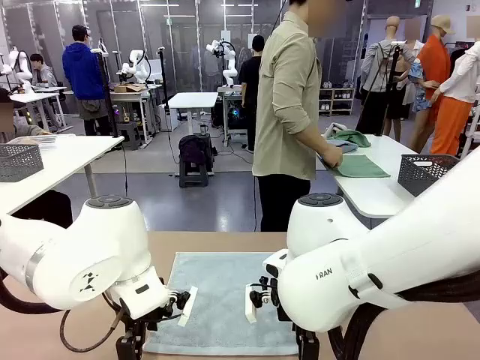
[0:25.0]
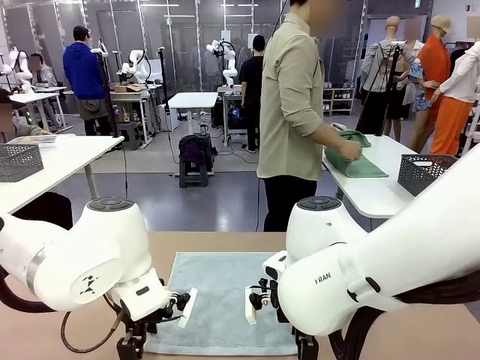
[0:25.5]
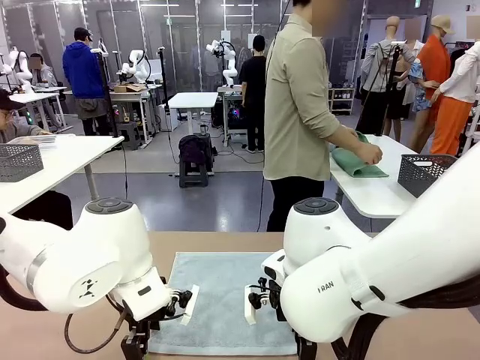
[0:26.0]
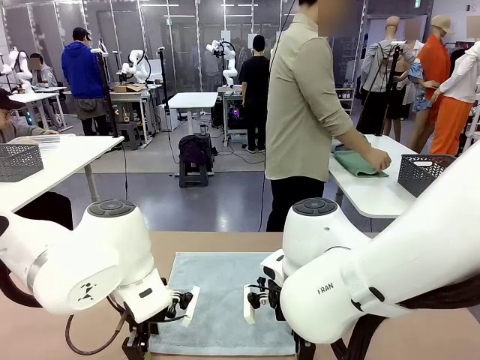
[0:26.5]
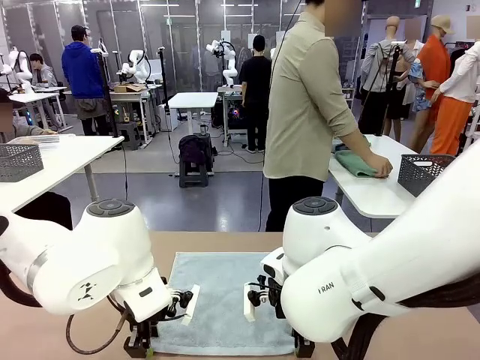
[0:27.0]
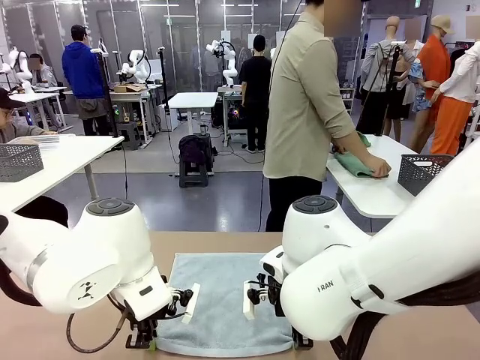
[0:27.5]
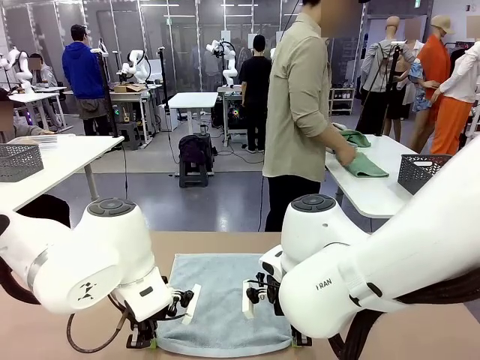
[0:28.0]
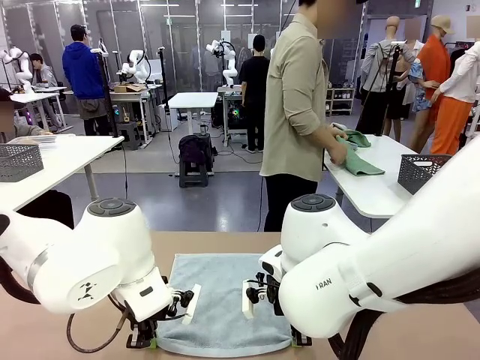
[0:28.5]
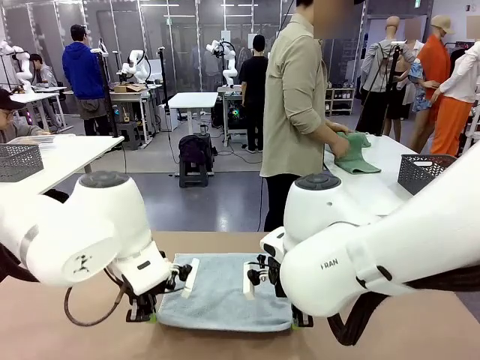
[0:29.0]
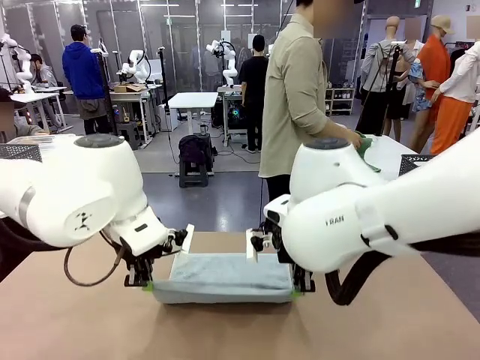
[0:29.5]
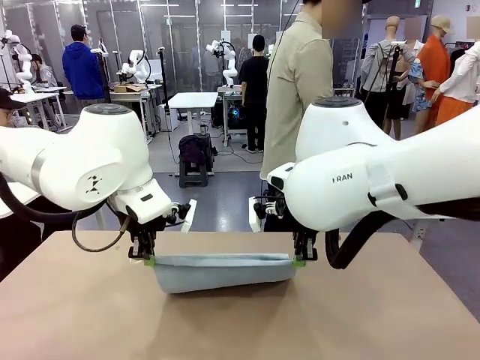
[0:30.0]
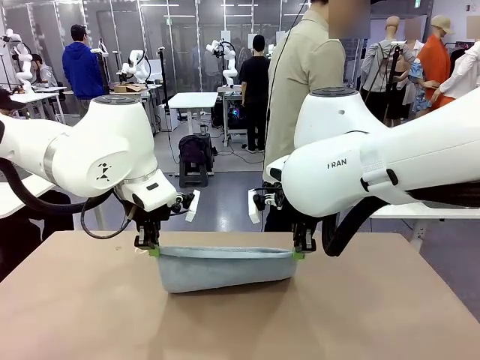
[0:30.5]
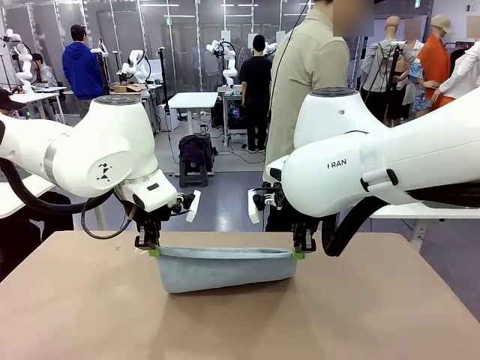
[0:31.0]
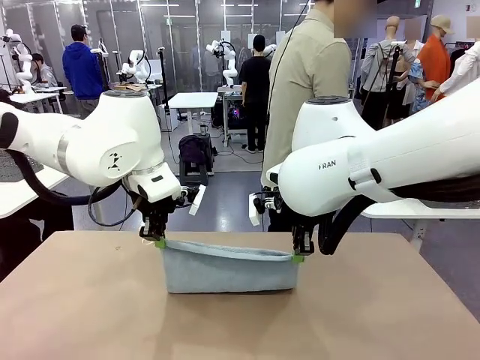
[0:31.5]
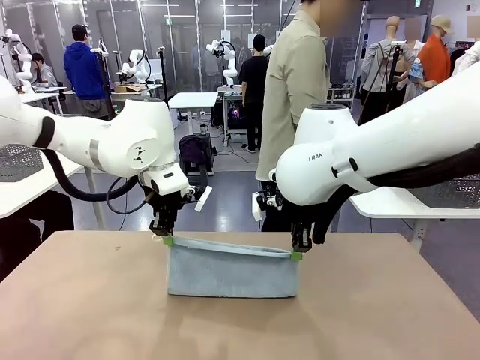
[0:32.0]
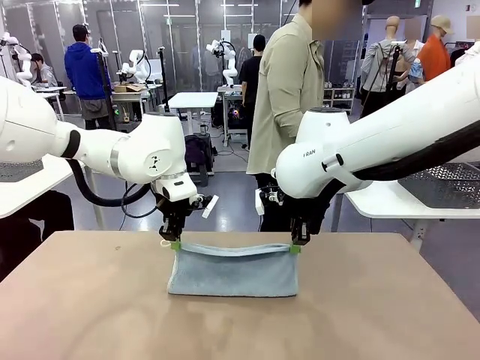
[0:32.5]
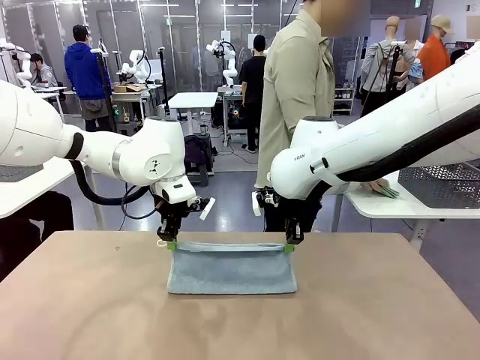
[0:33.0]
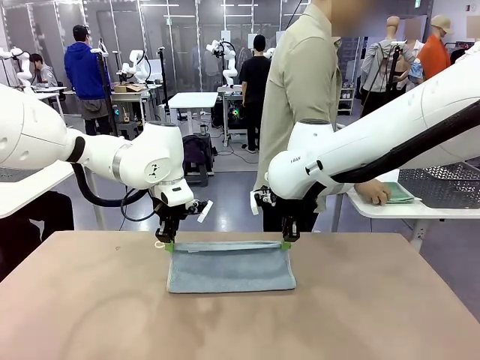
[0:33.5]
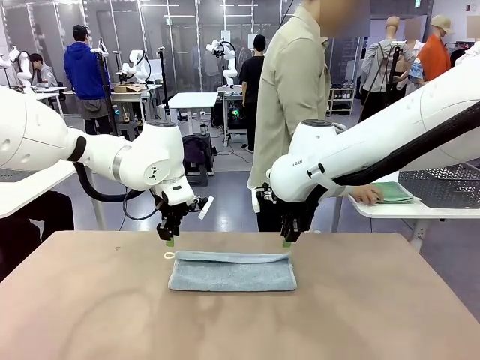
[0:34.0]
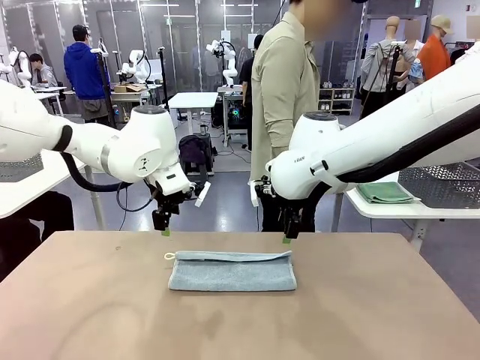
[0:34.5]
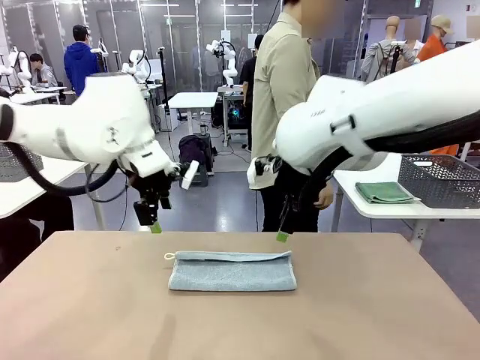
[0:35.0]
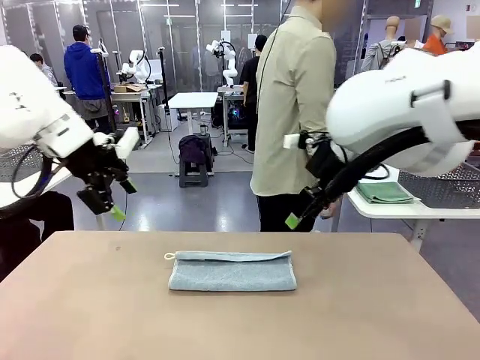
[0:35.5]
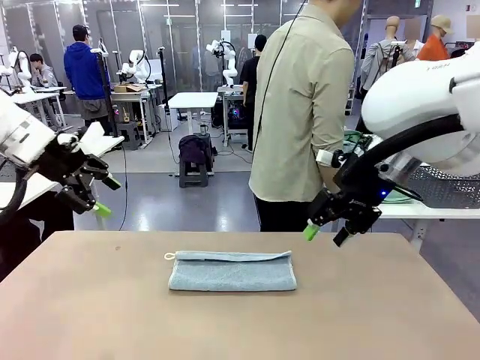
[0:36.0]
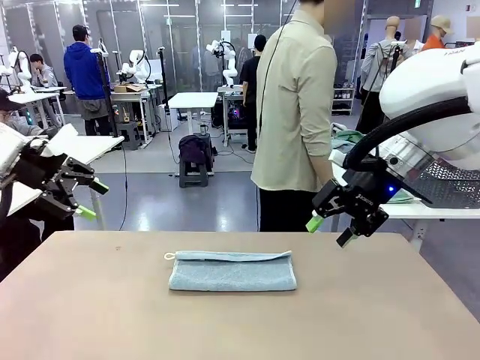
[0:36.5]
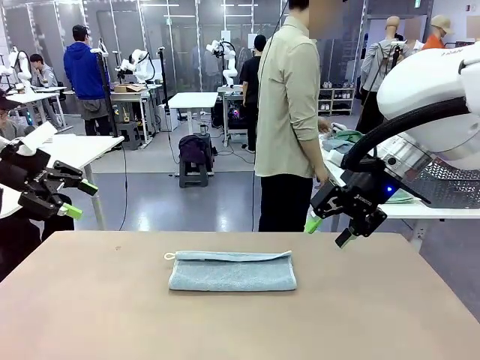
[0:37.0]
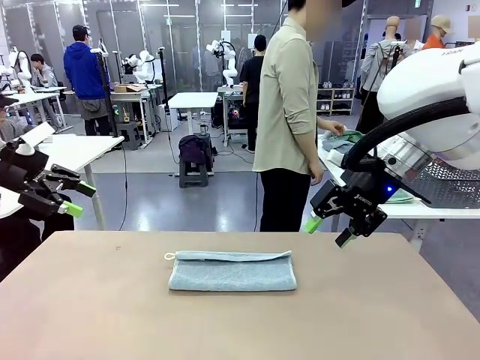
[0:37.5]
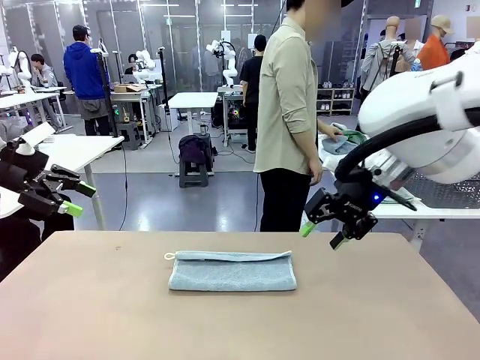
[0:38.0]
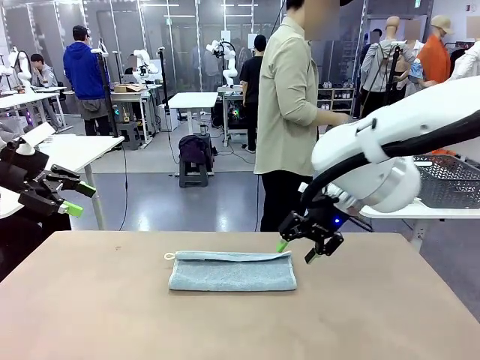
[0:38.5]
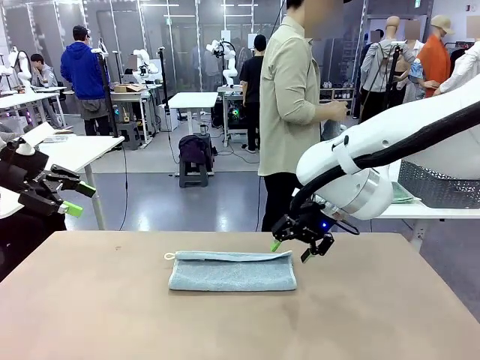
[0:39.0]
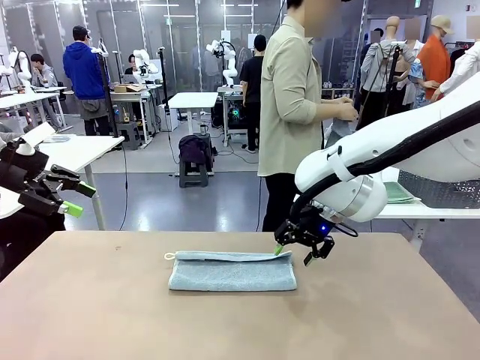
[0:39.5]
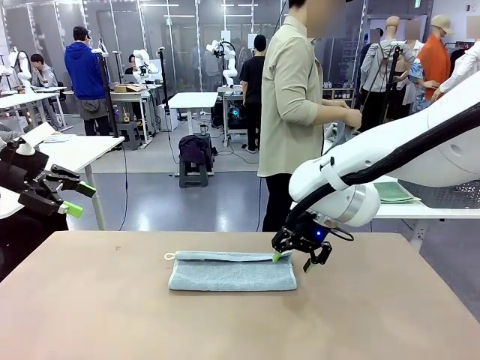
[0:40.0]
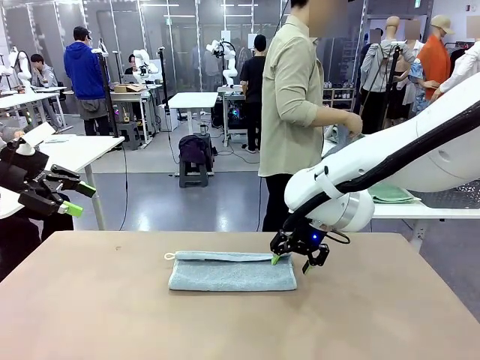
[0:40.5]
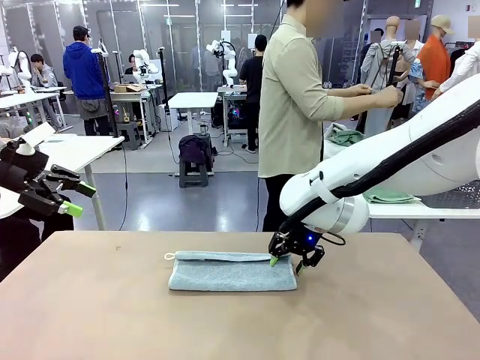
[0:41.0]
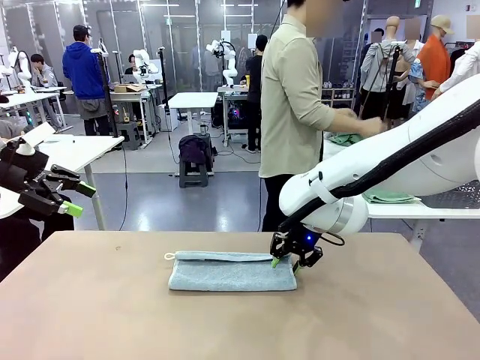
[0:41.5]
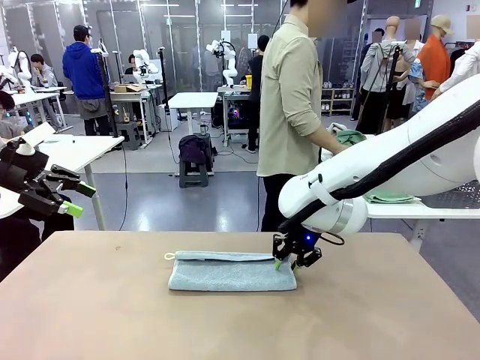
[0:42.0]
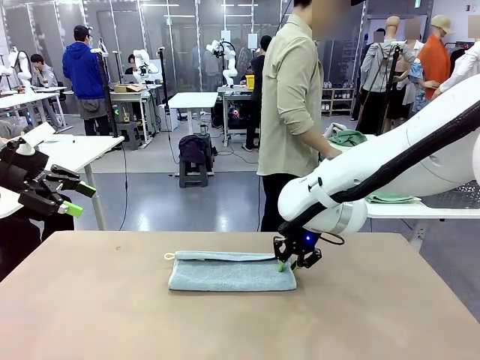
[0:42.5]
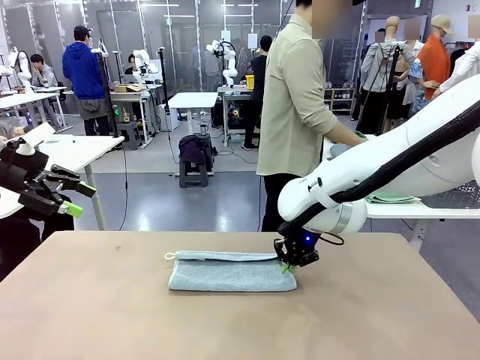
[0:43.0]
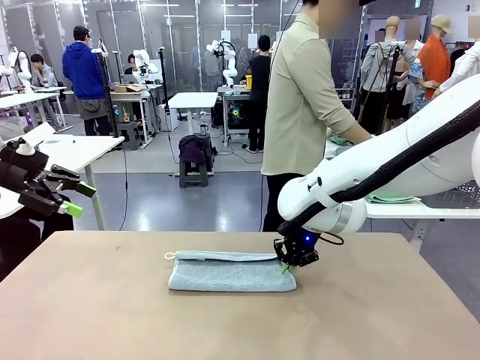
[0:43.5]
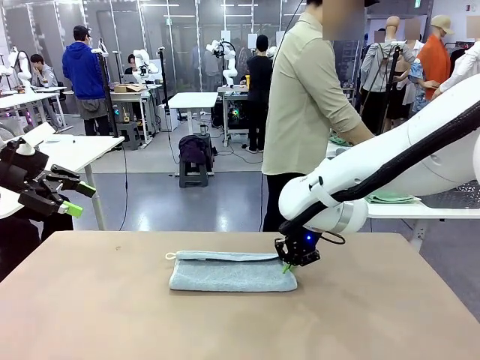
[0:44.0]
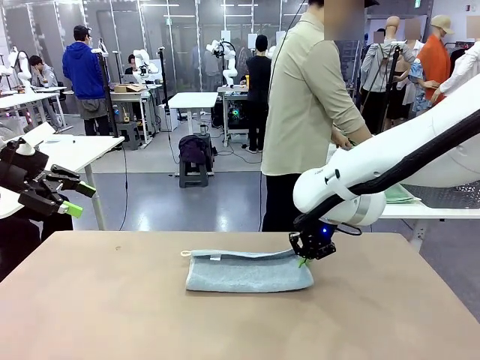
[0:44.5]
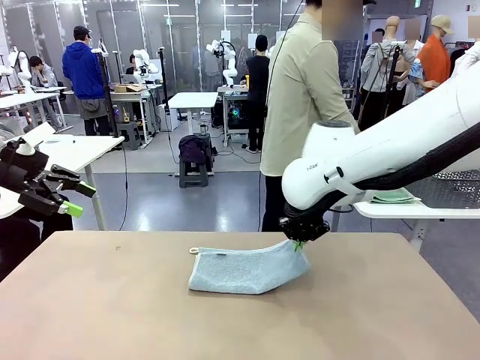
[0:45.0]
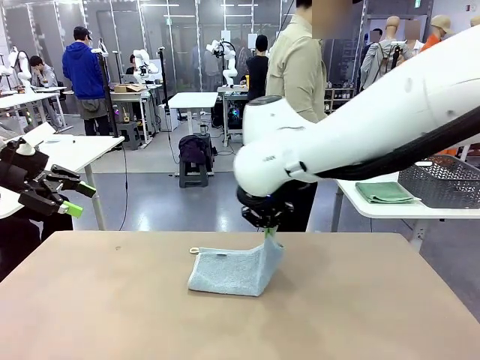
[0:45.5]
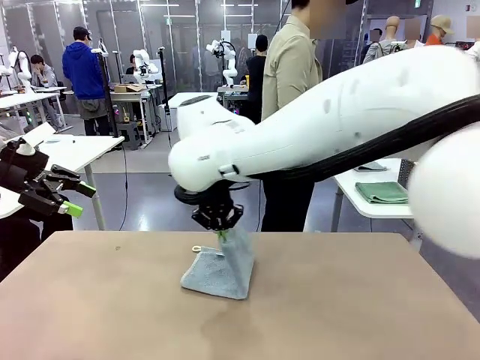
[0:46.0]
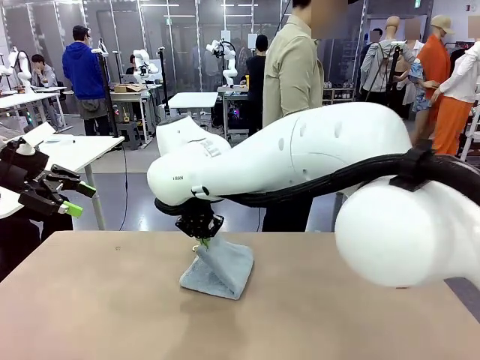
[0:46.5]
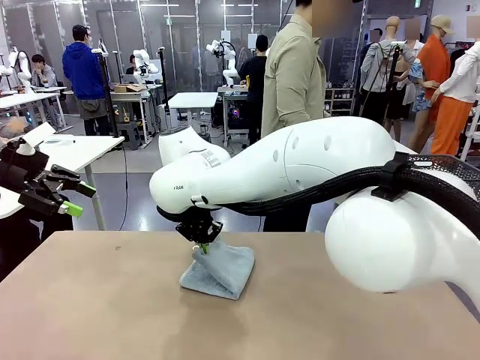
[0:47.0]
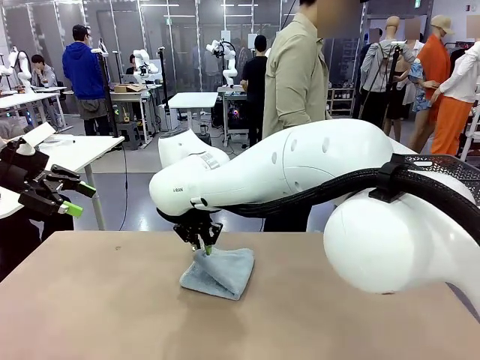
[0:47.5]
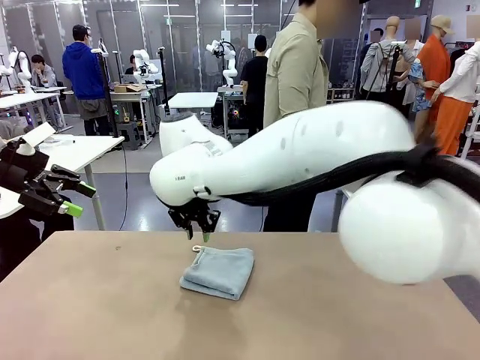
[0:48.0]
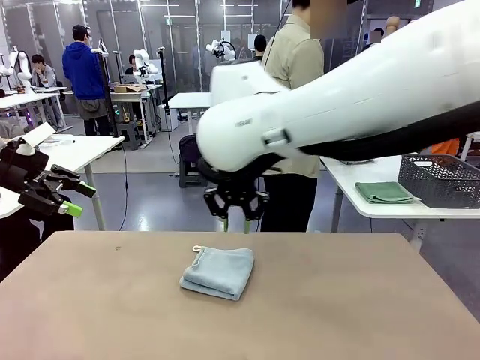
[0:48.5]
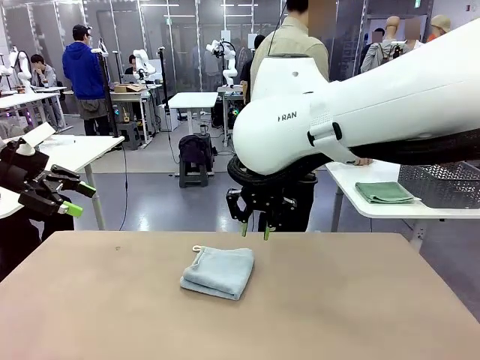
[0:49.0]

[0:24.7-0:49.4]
Task: Fold the towels and place them in the basket.
Robot: When a person lays out a Towel with hook on the table, fold it in half twice.
Person: Pick up one towel from the left side of the human table, fold it in half twice, and place it on the right side of the table. Pick up one towel from the left side of the human table, fold it in half twice, and stack it on the right side of the table.
